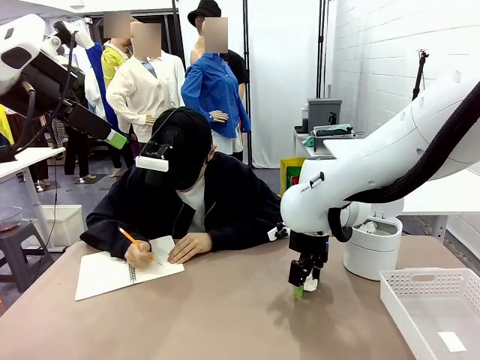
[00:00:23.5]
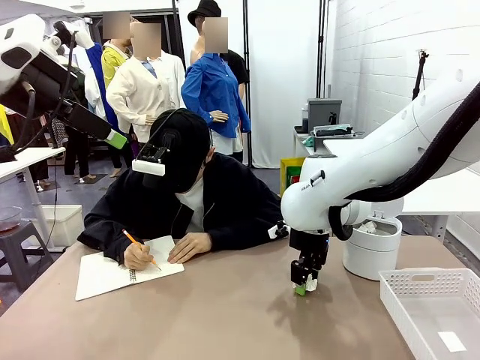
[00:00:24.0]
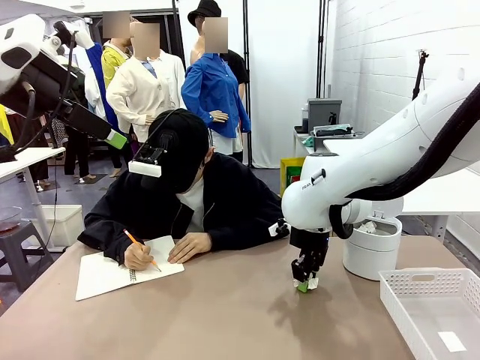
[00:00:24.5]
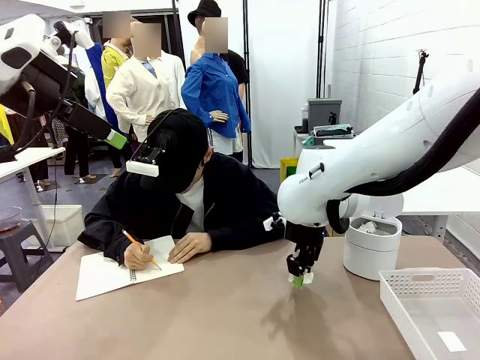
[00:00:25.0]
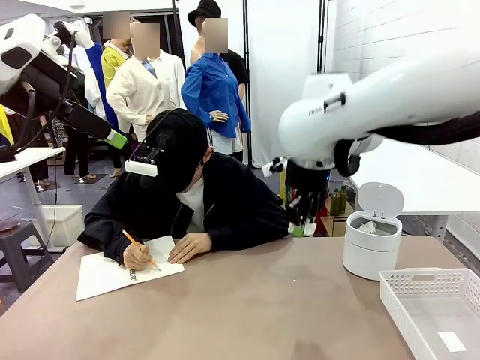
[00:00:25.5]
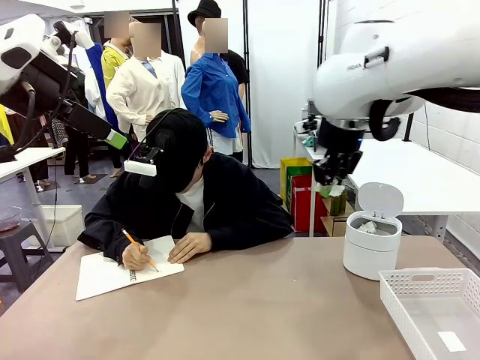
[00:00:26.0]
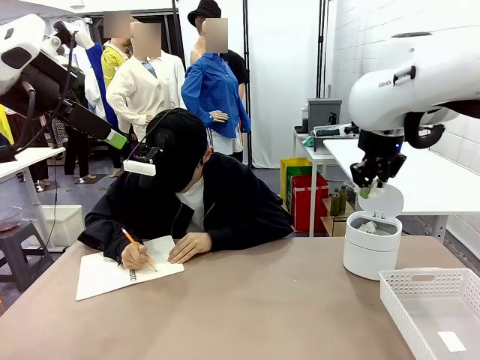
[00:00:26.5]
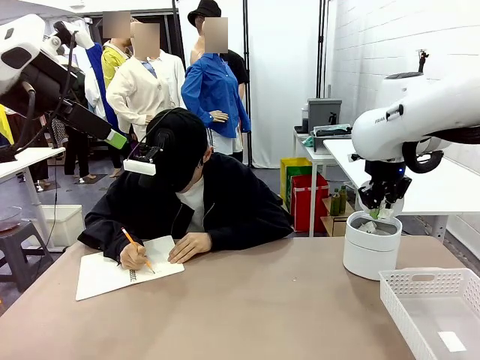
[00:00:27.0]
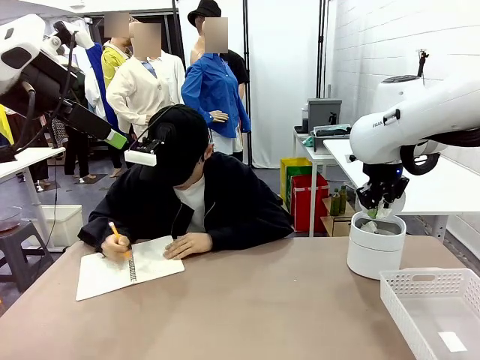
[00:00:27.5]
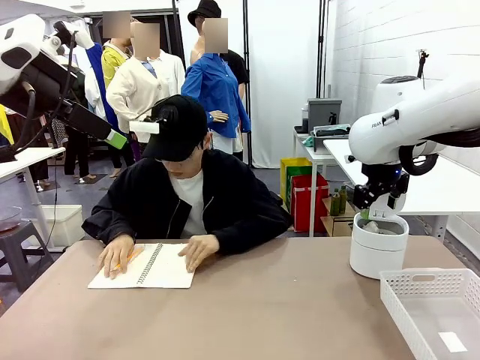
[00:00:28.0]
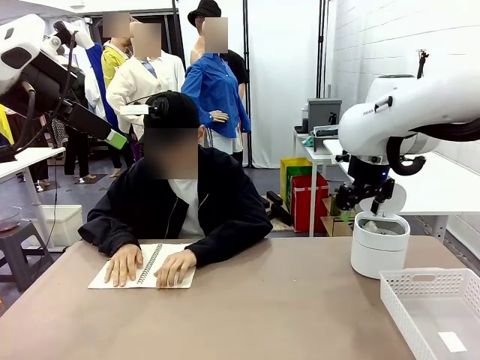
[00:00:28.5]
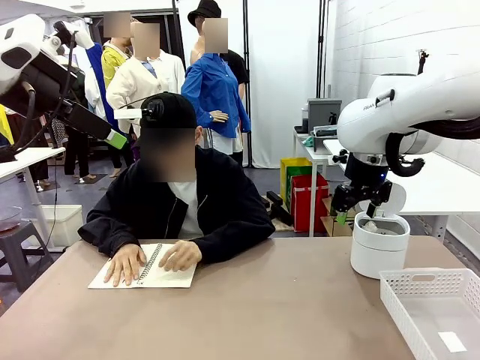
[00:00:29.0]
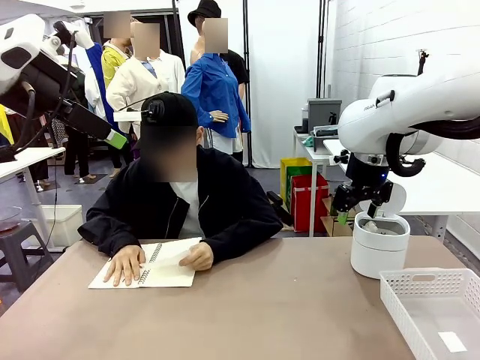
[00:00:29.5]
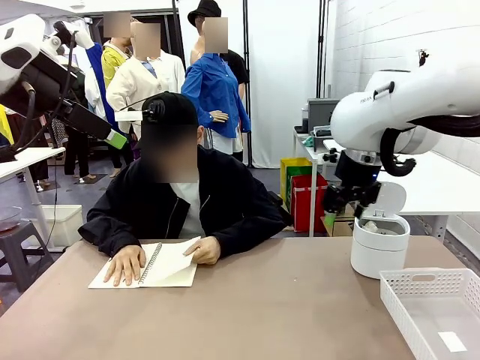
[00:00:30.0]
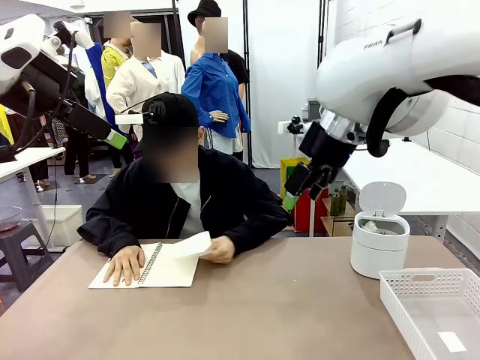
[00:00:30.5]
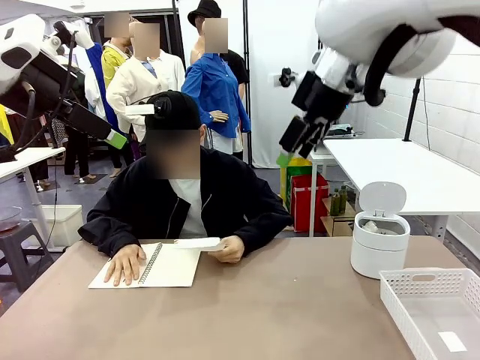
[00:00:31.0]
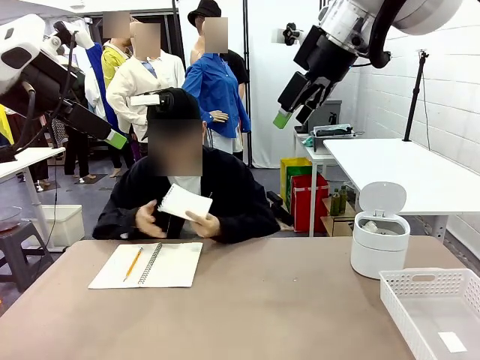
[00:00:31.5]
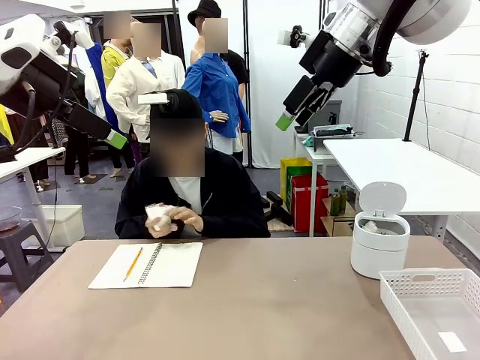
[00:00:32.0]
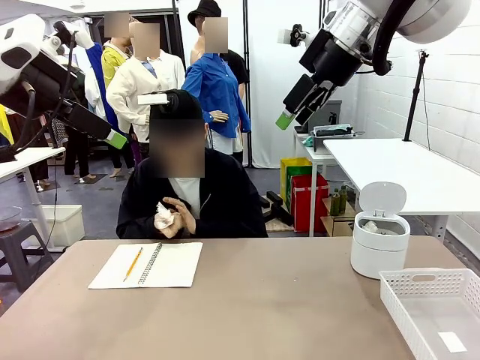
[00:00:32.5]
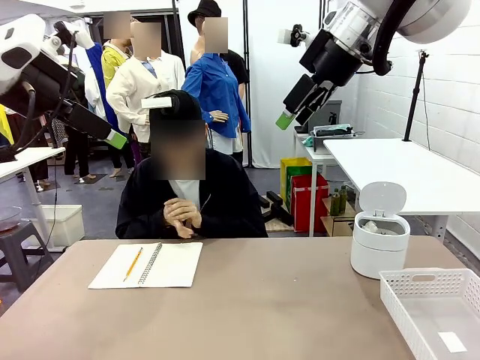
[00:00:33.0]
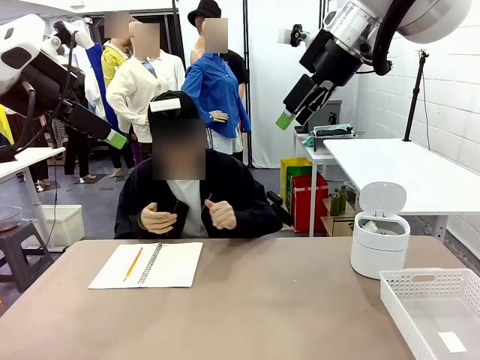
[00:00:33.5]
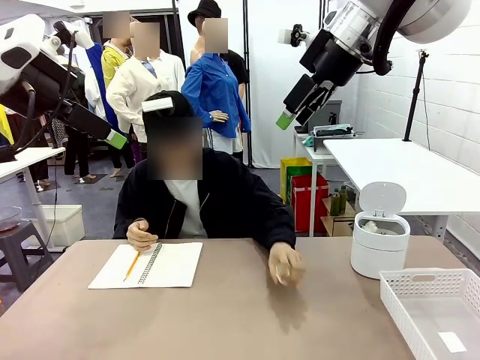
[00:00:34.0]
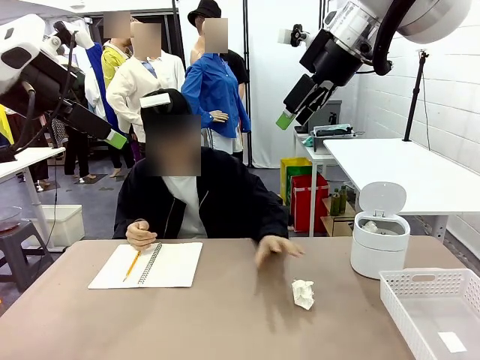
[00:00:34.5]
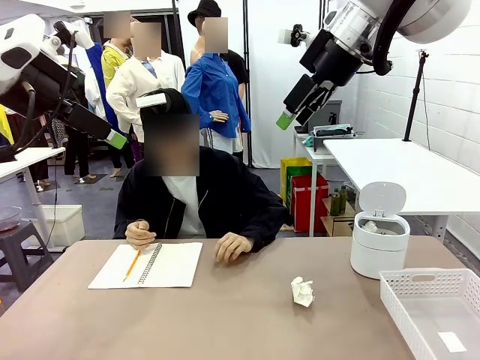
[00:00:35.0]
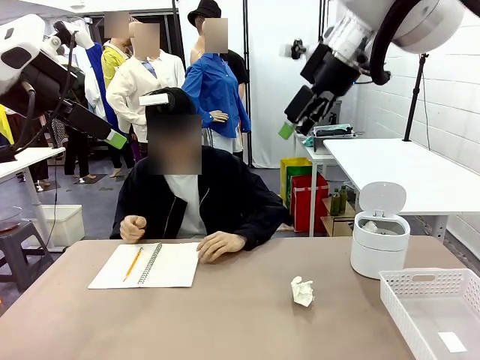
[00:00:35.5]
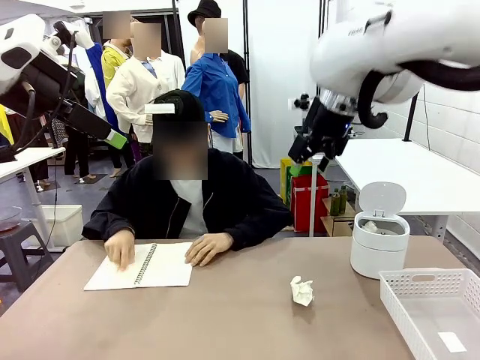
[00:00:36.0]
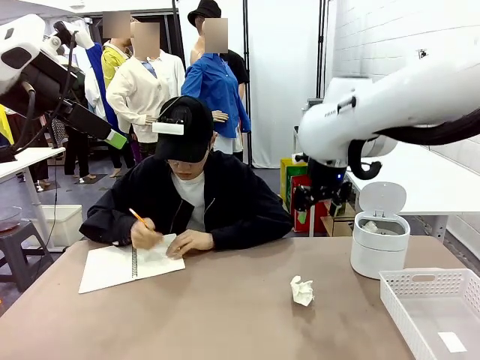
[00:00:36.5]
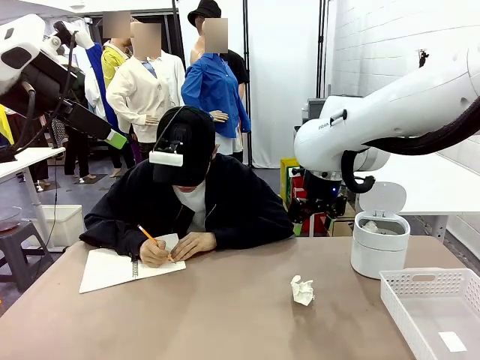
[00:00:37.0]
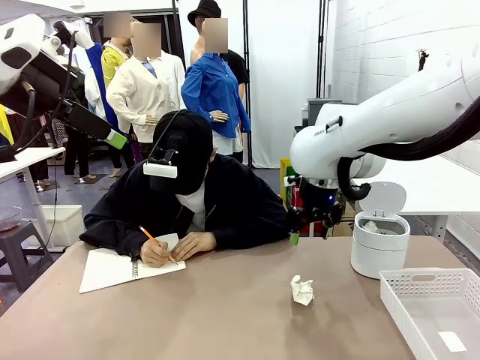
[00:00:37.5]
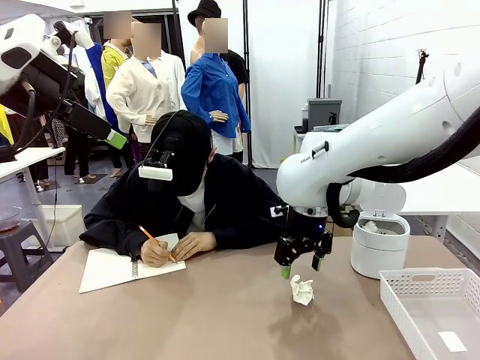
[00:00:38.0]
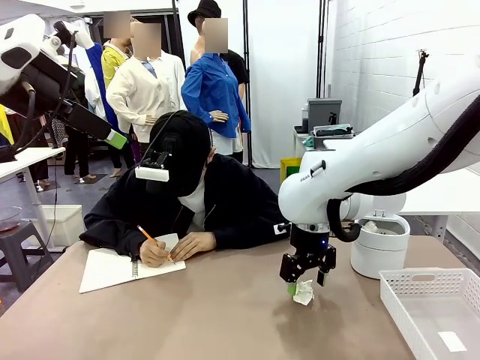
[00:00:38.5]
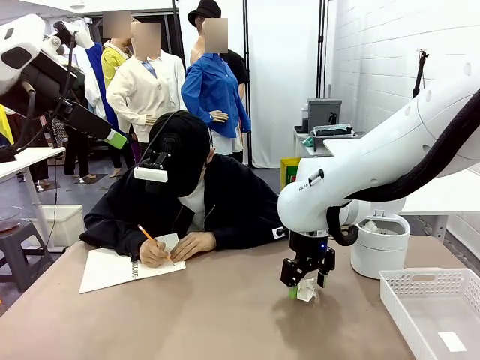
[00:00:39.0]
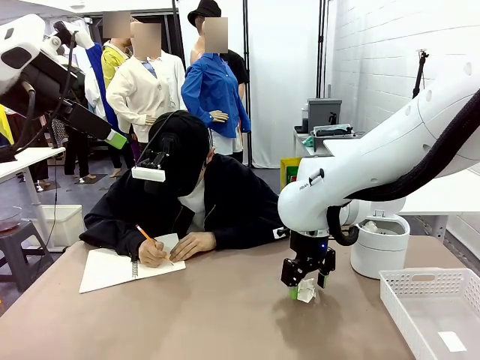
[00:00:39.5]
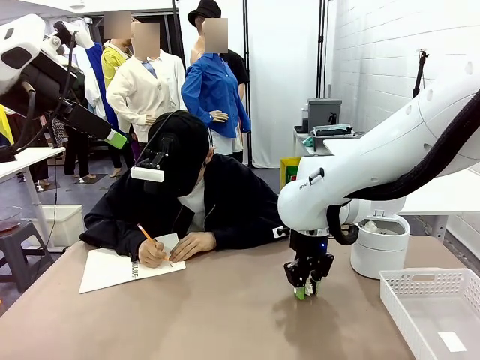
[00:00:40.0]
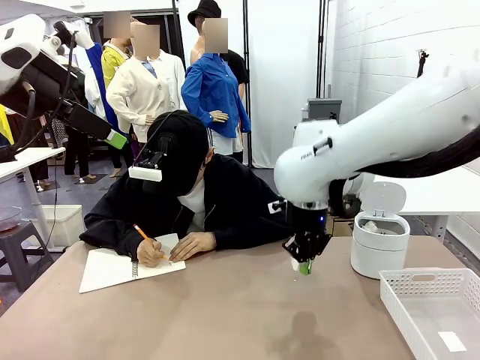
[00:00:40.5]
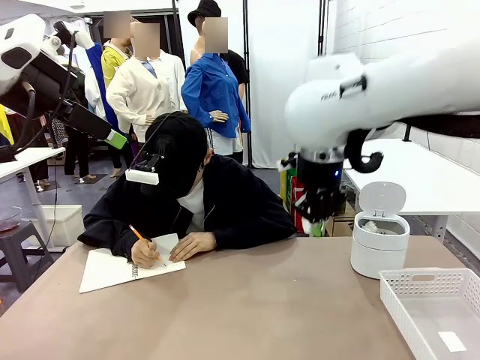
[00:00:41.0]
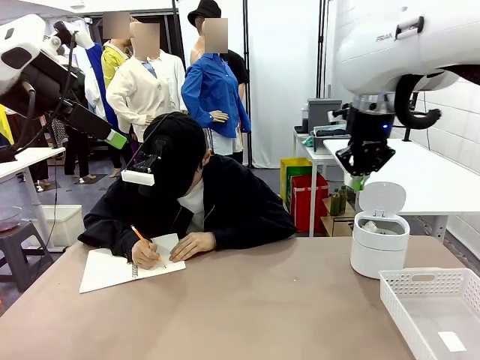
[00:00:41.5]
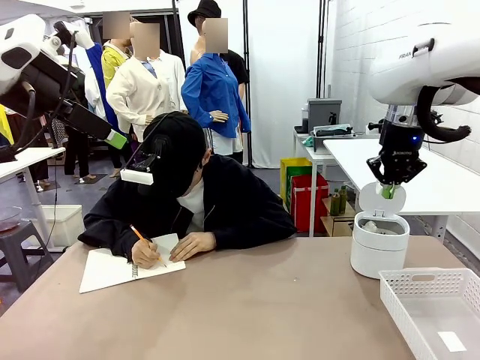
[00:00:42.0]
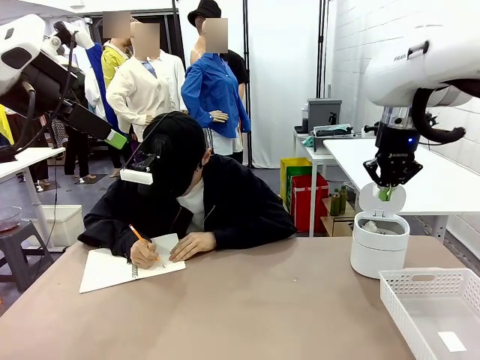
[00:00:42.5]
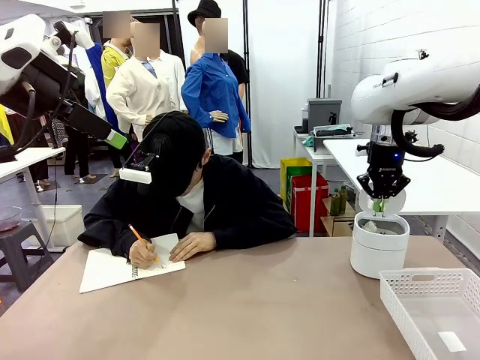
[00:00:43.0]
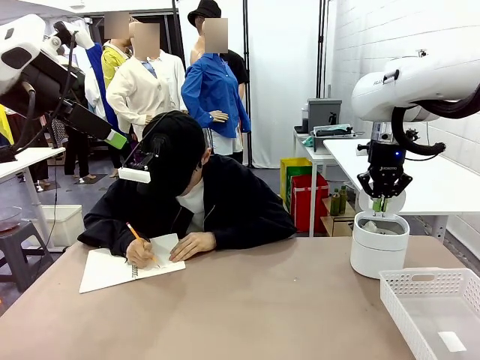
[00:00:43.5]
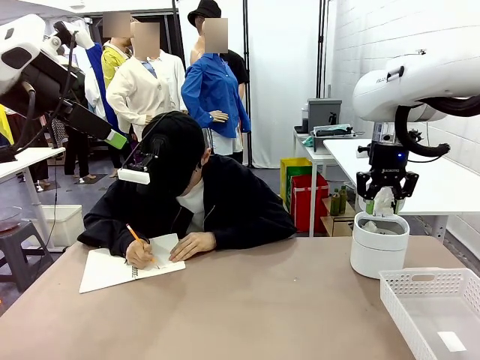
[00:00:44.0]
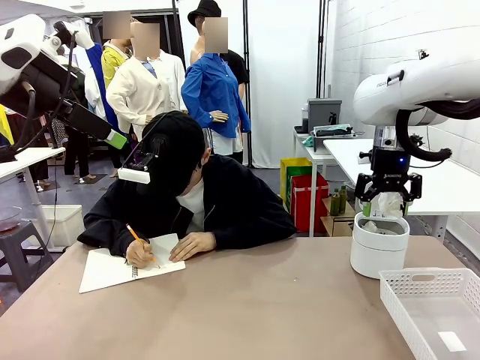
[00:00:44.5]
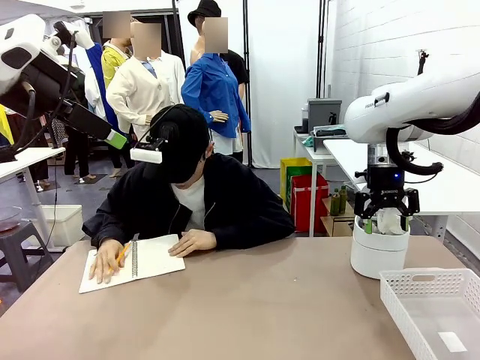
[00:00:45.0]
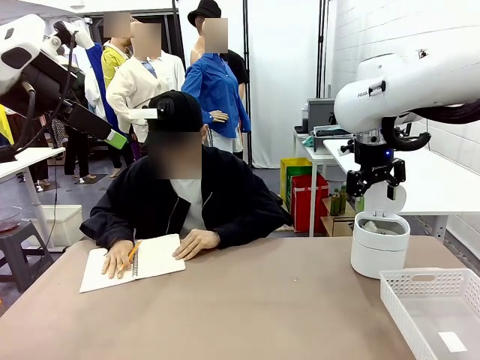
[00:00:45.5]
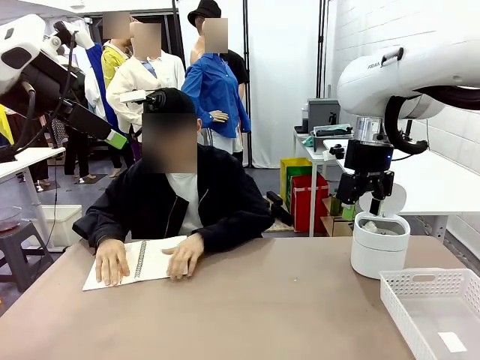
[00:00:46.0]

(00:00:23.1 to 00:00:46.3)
Task: Sort the paper based on its condition.
Robot: If a person hands you a paper, place it in the Organizing basket , and if it's crumpled, put it in the Trash can.
Person: Tear out a page from the spiral notebook. Hand the torn page to the robot or crumple it and throw it to the center of the table. Tear out a page from the spiral notebook.

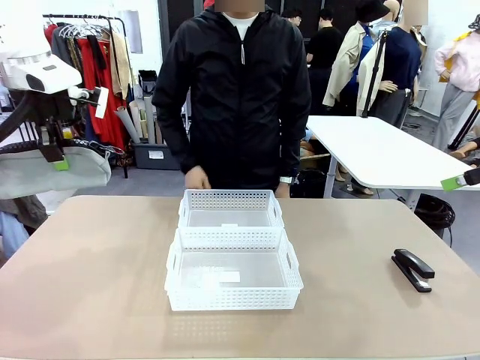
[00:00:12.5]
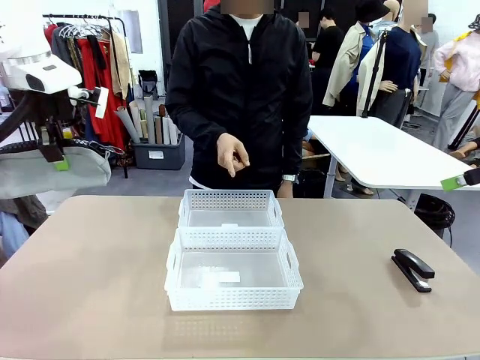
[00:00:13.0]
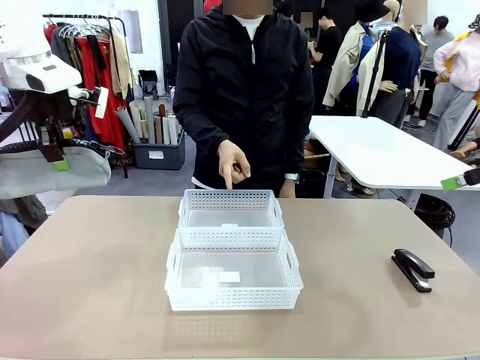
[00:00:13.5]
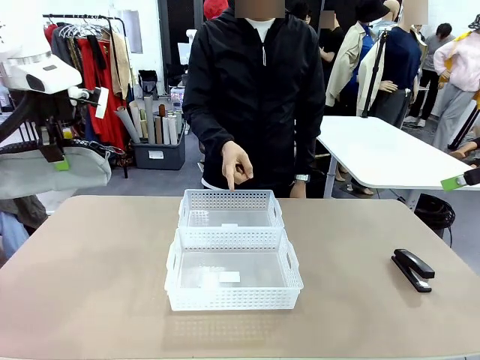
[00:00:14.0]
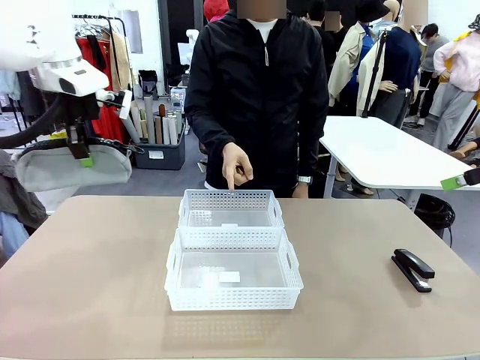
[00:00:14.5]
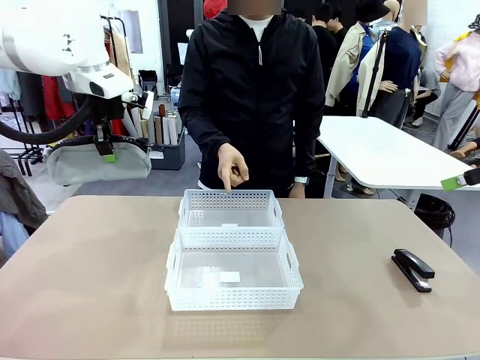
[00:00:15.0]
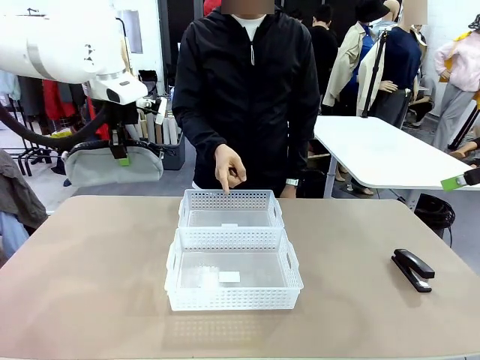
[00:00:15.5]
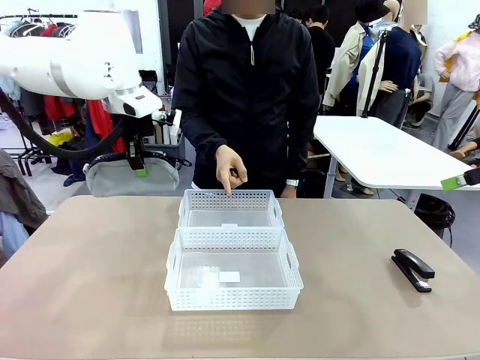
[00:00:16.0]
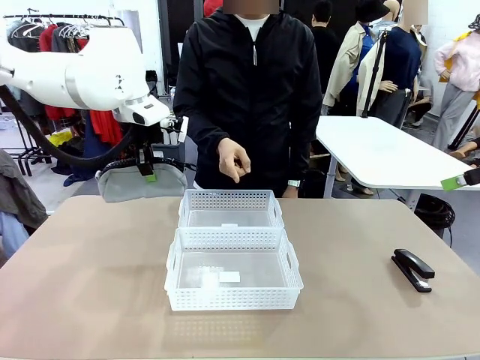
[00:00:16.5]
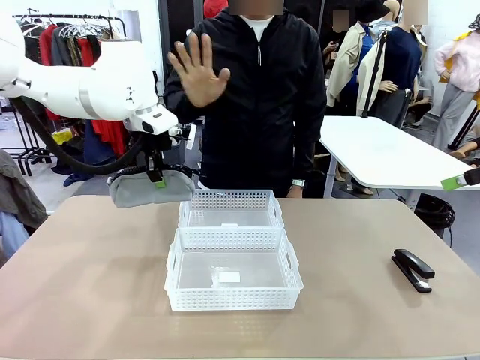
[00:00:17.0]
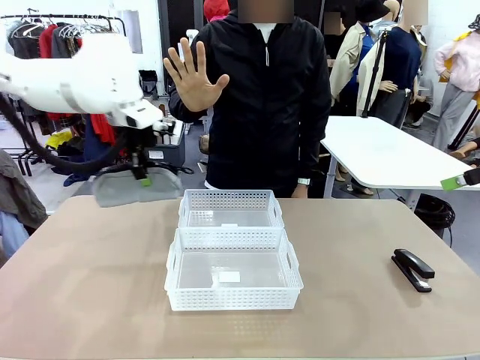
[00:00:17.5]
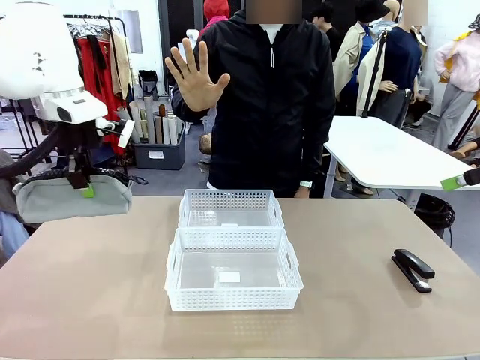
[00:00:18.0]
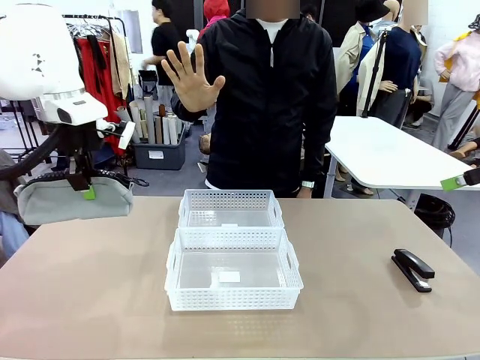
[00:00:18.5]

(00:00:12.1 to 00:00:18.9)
Task: Distribute items into two baskets.
Robot: Move the picked Pencil pouch towards the Organizing basket indicated by the person, stopping as directed.
Person: Sends a stop gesture before the robot places the pencil case into the basket.
